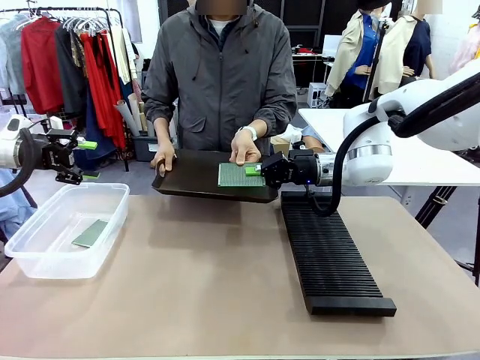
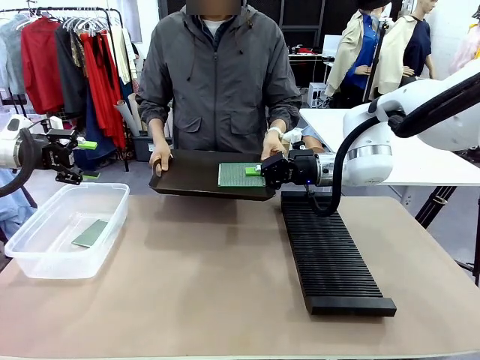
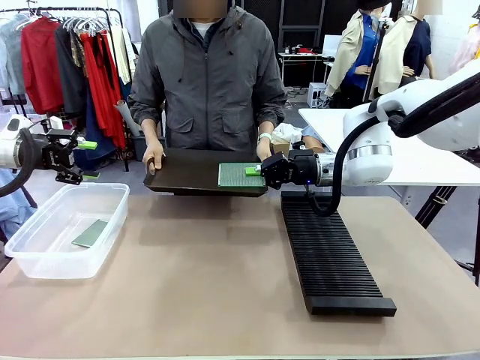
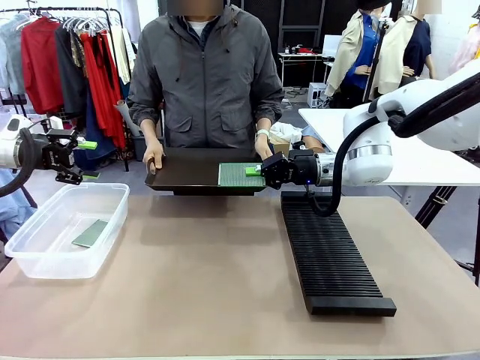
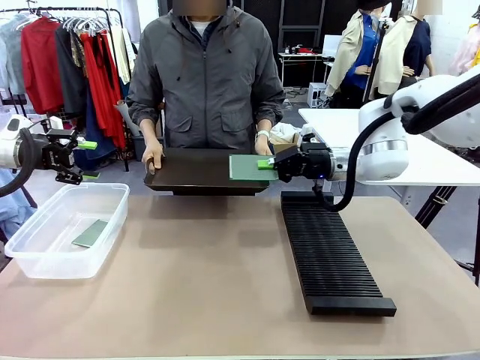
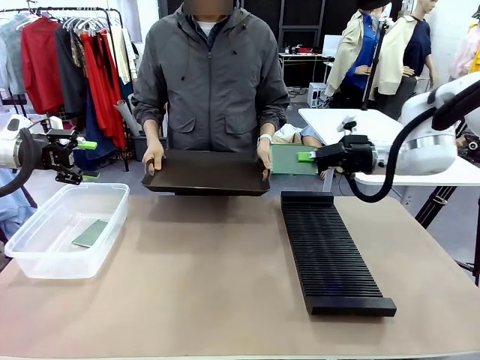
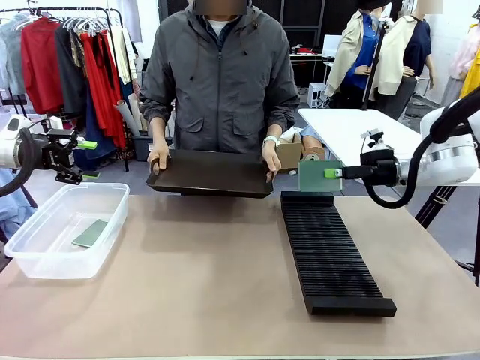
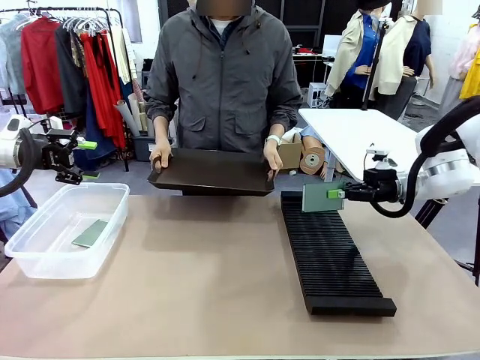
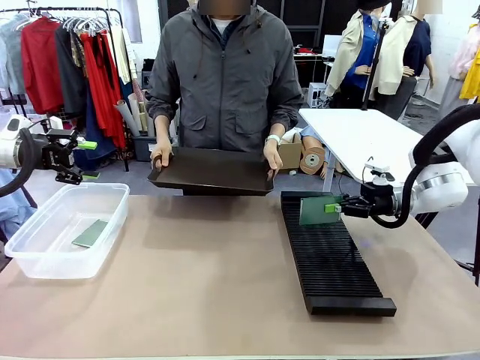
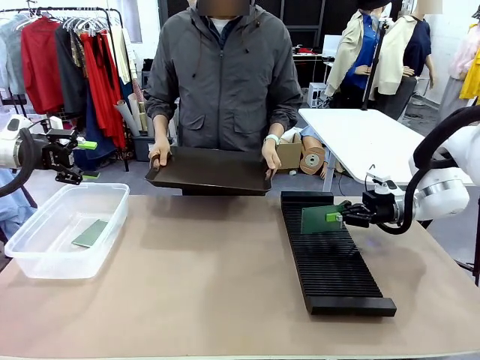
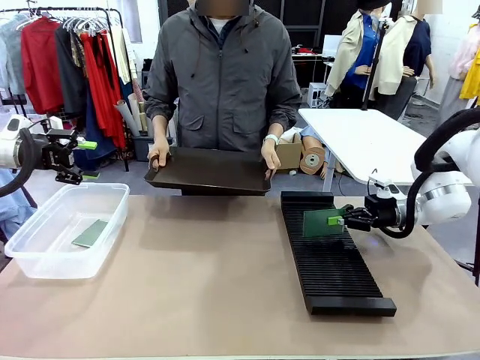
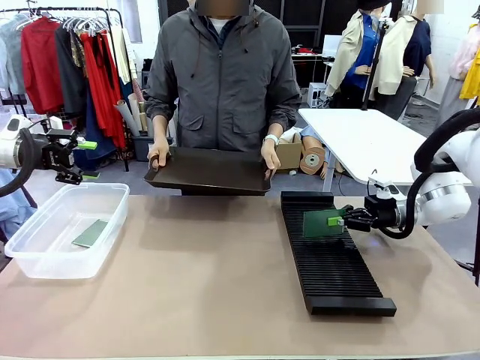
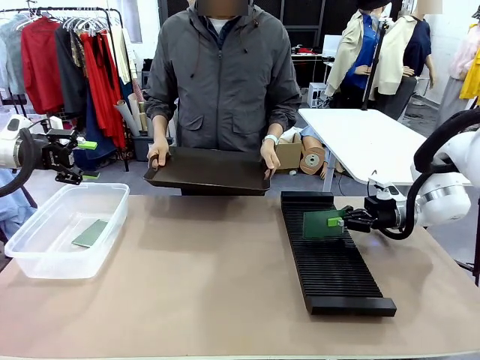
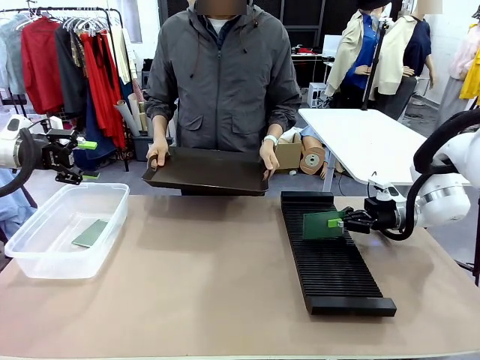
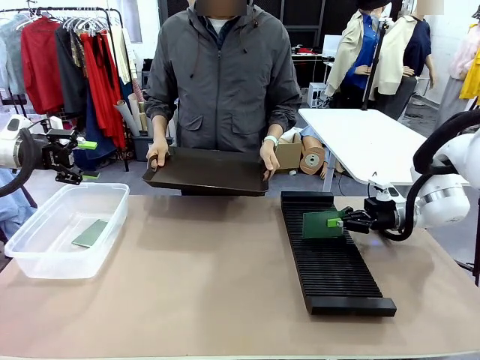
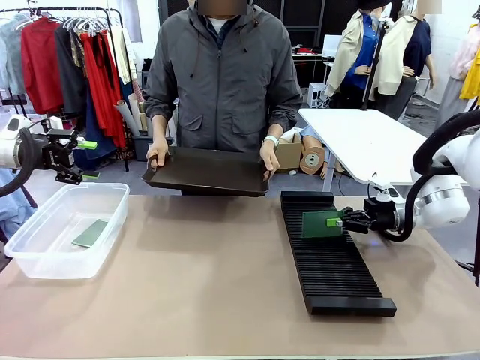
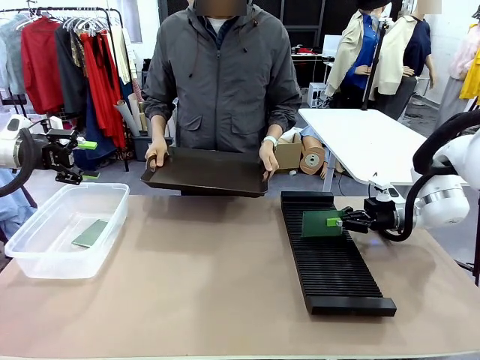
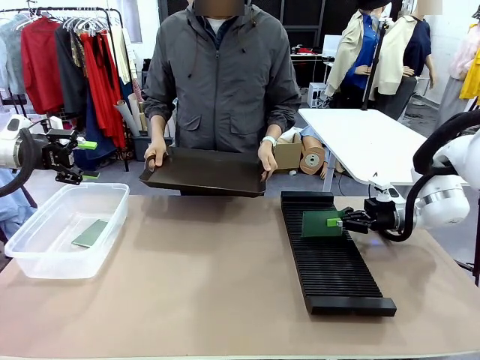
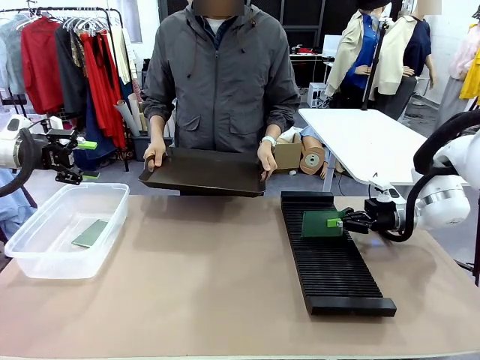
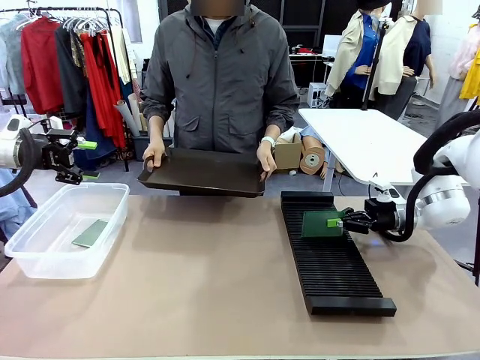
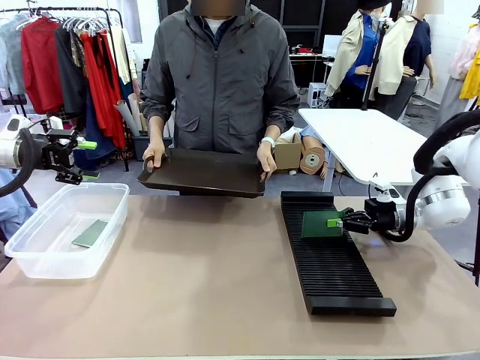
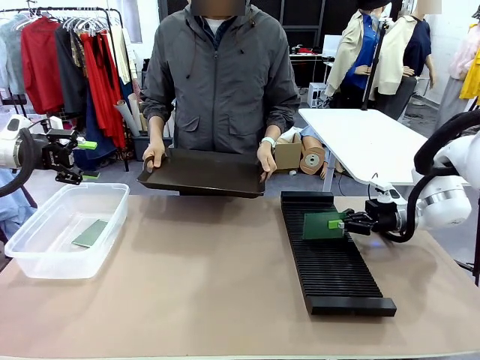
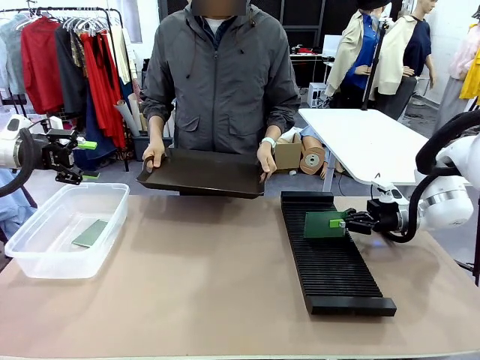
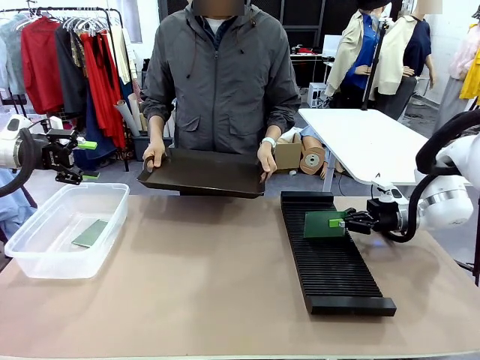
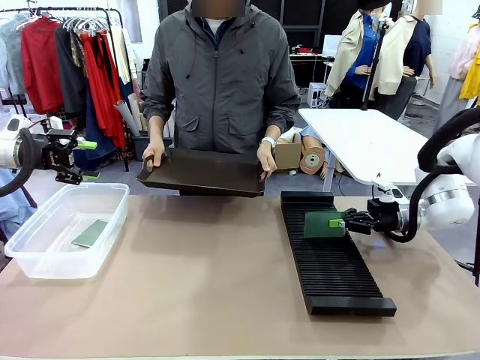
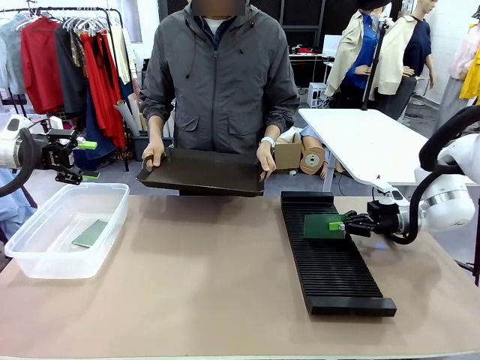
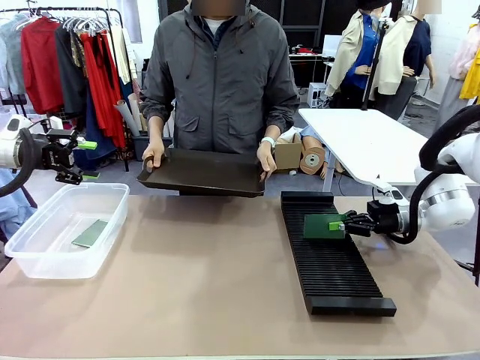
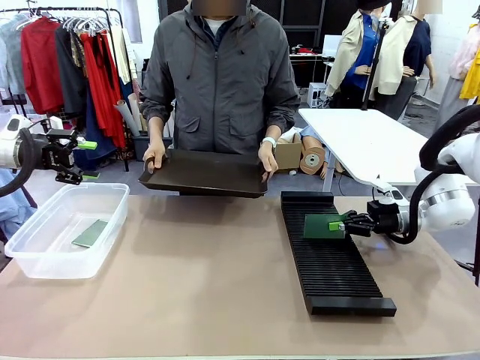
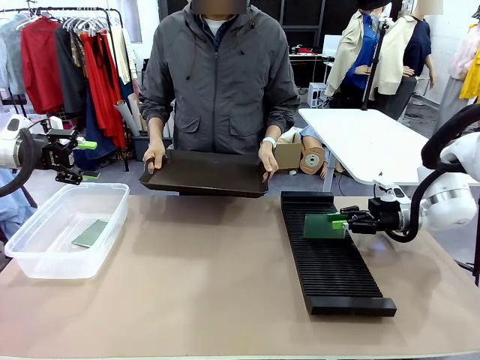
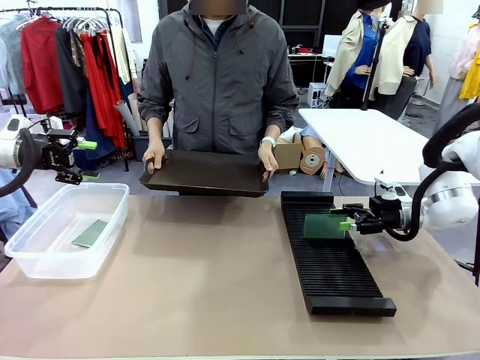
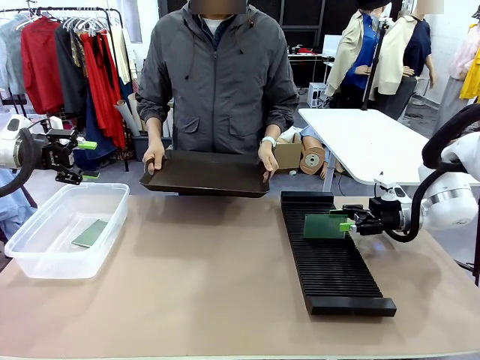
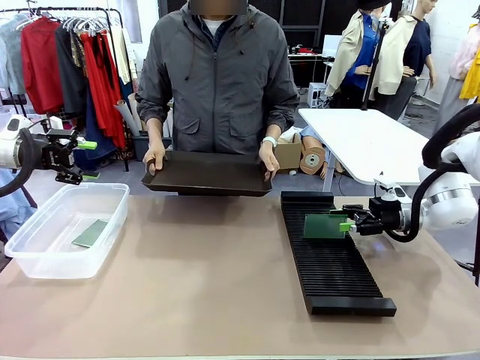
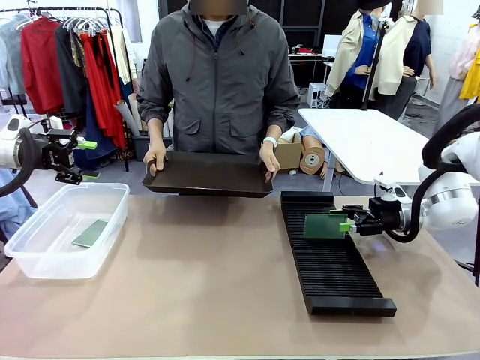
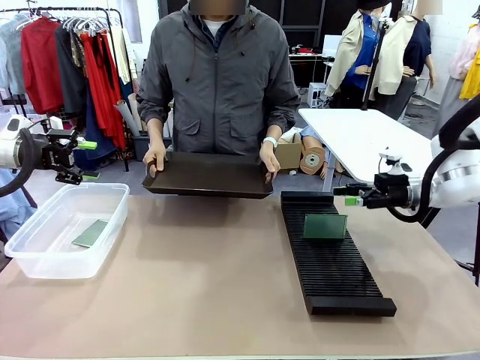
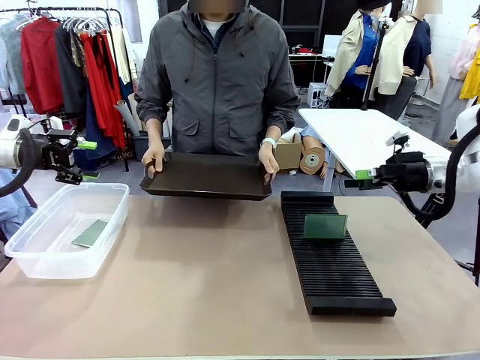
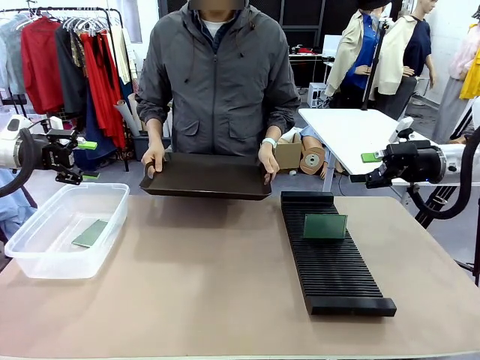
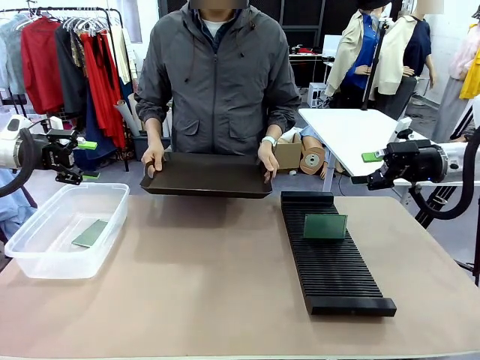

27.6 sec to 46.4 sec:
Task: Sort PCBs into racks and boxes based on the side picked up.
Robot: If the short side of the Blank PCB is picked up, insert it into the PCB Rack ; if the long side is picked up, place it in the Organizing box.
Person: Release the PCB being held.
